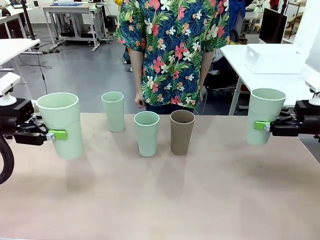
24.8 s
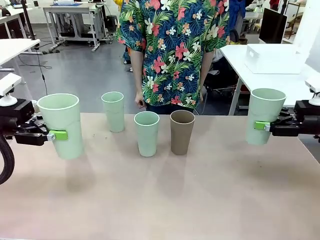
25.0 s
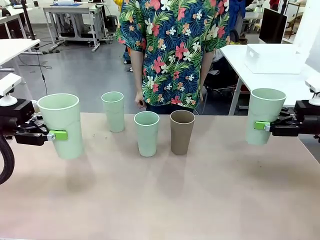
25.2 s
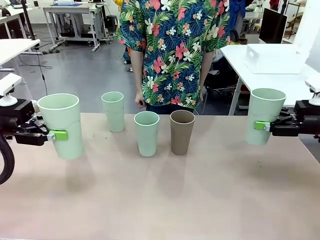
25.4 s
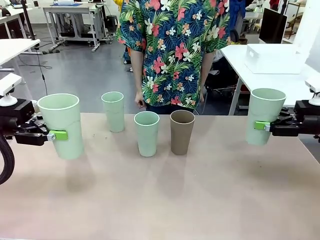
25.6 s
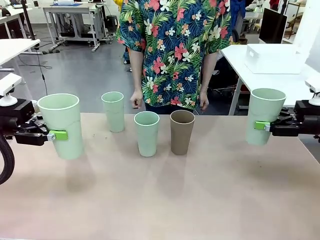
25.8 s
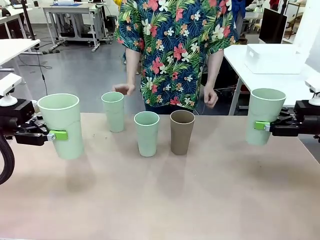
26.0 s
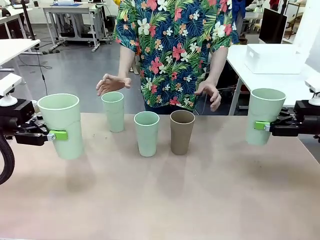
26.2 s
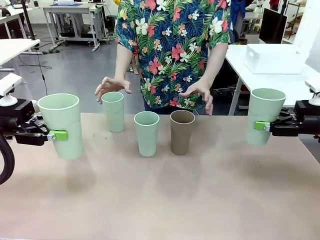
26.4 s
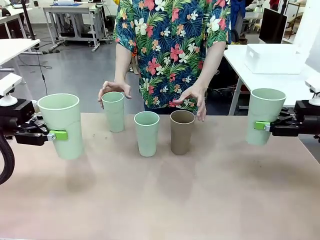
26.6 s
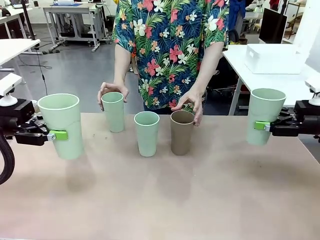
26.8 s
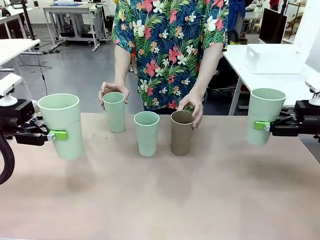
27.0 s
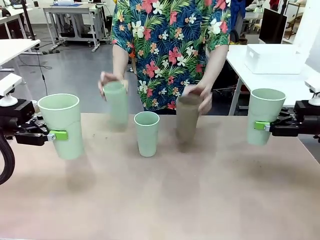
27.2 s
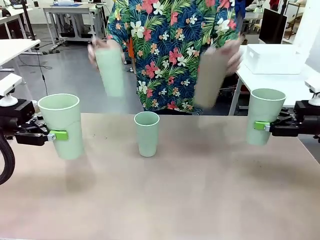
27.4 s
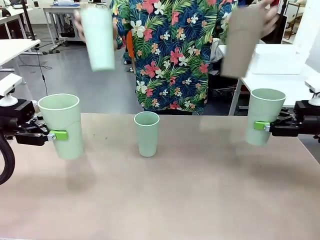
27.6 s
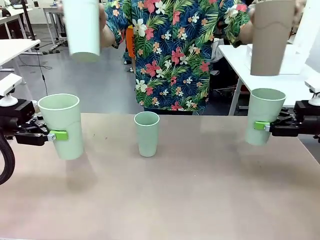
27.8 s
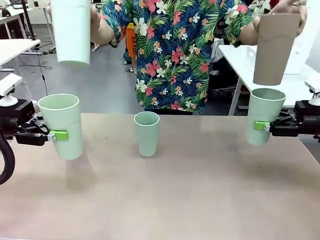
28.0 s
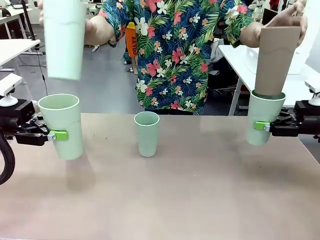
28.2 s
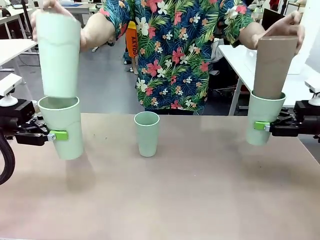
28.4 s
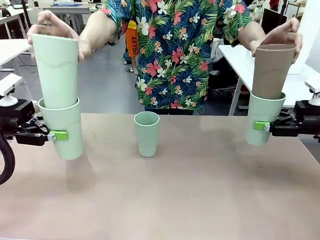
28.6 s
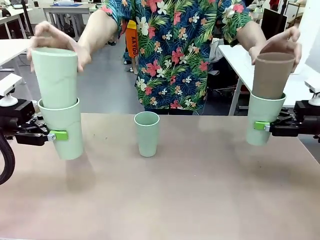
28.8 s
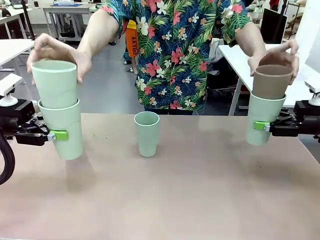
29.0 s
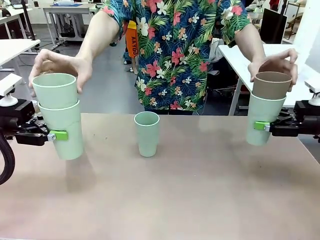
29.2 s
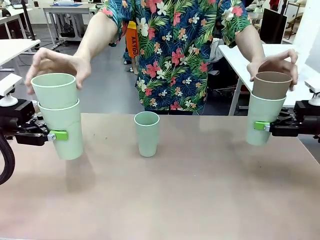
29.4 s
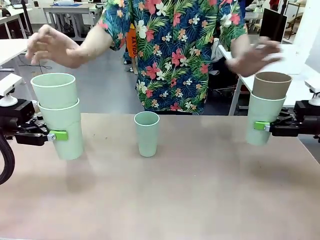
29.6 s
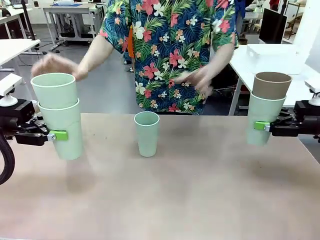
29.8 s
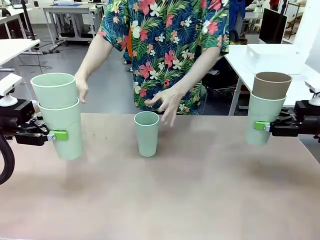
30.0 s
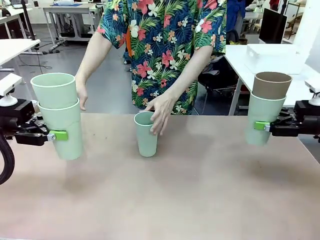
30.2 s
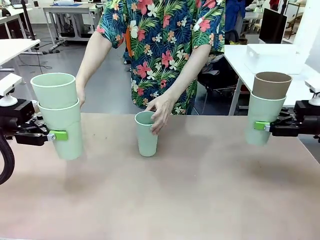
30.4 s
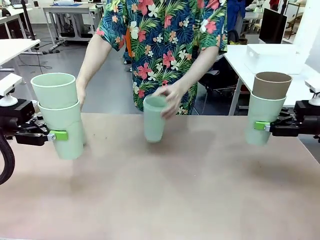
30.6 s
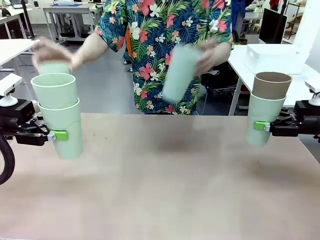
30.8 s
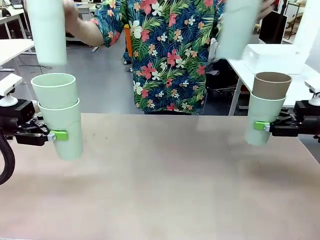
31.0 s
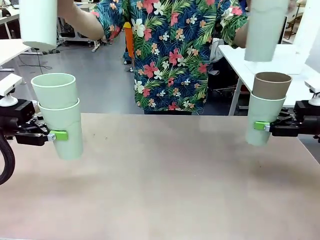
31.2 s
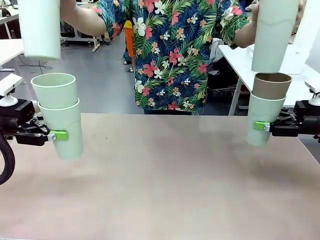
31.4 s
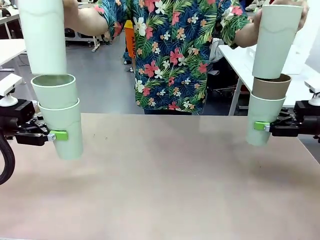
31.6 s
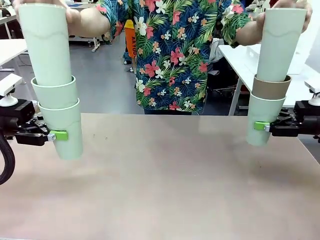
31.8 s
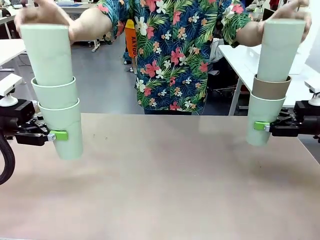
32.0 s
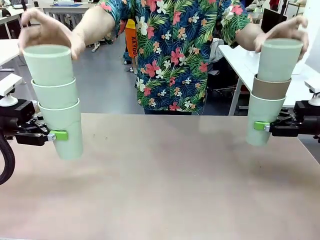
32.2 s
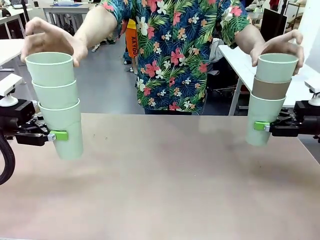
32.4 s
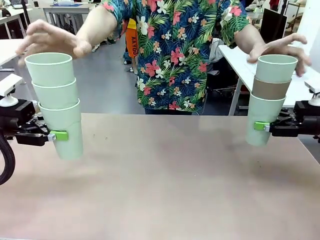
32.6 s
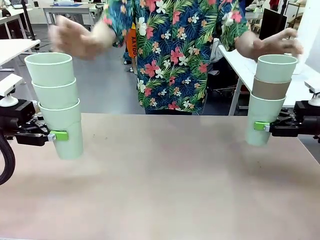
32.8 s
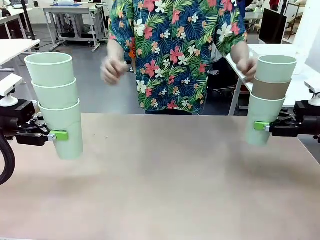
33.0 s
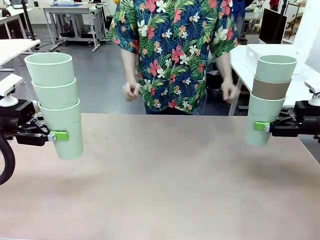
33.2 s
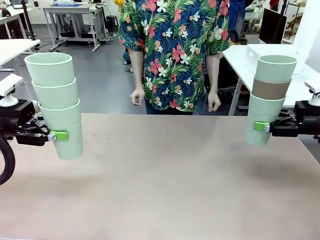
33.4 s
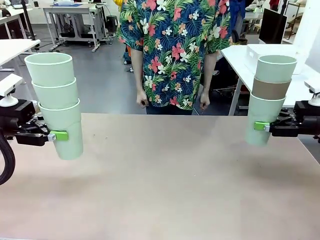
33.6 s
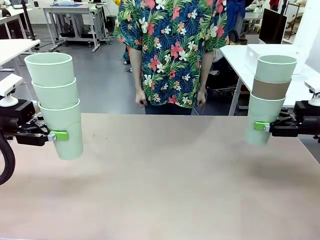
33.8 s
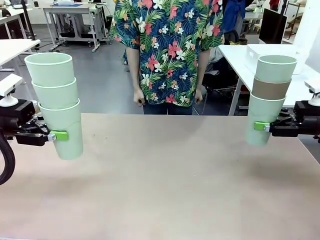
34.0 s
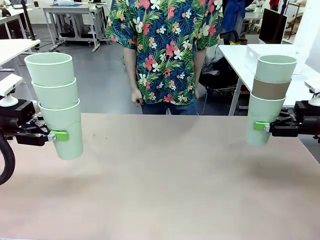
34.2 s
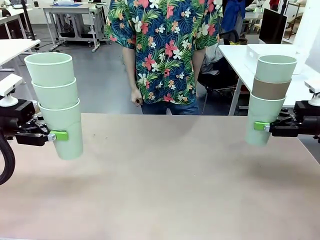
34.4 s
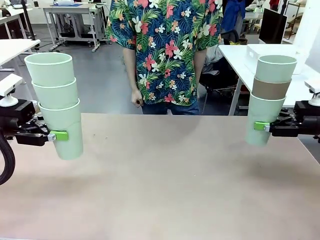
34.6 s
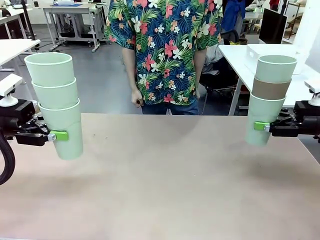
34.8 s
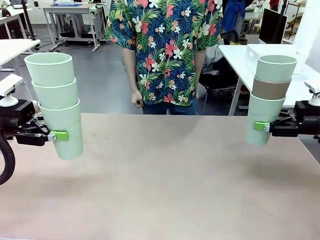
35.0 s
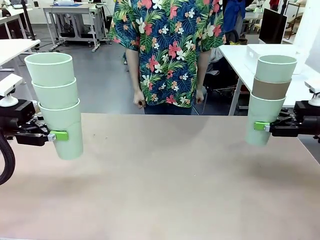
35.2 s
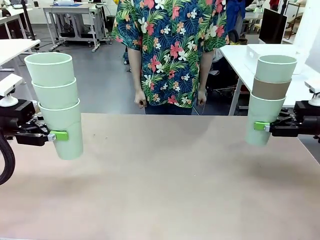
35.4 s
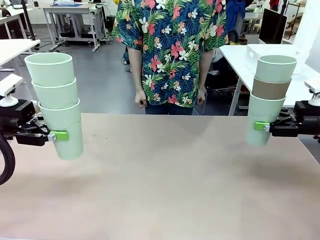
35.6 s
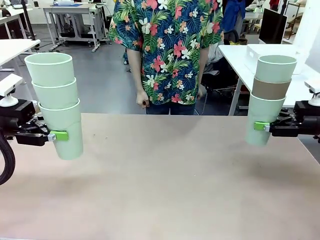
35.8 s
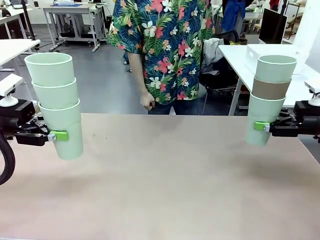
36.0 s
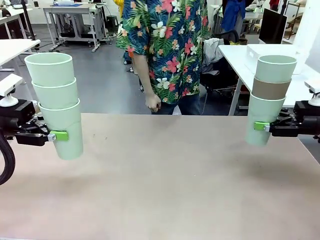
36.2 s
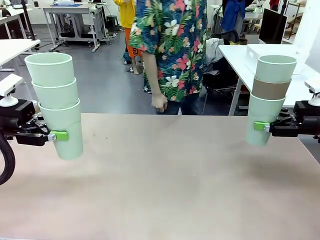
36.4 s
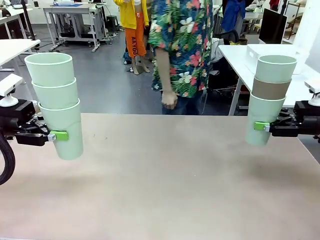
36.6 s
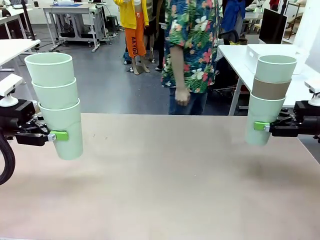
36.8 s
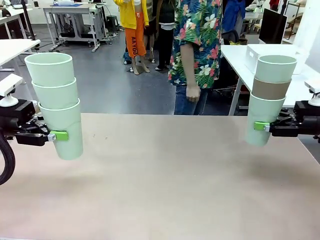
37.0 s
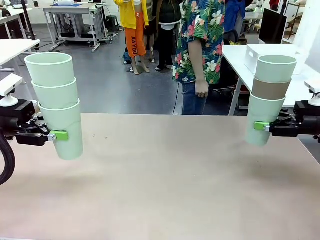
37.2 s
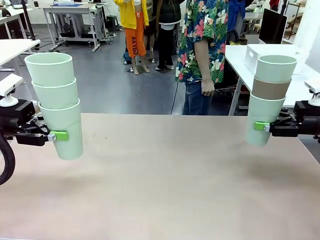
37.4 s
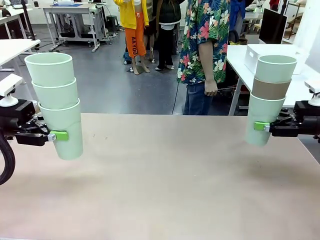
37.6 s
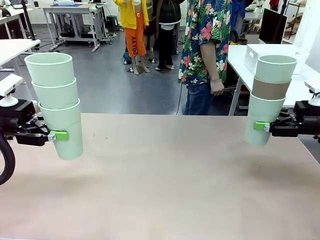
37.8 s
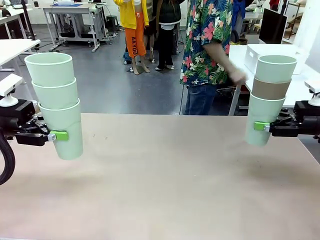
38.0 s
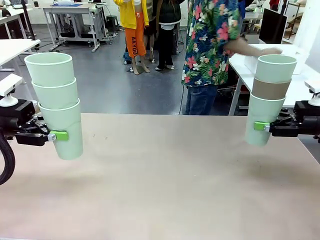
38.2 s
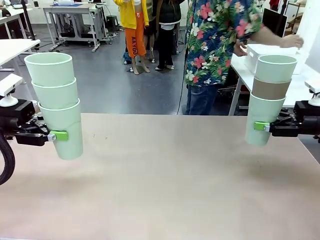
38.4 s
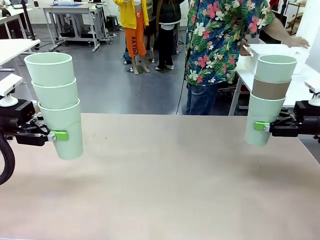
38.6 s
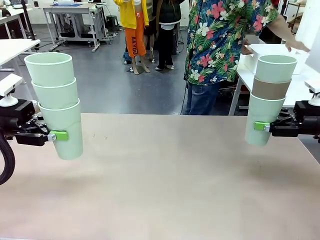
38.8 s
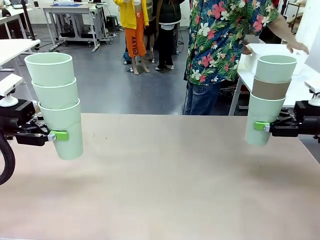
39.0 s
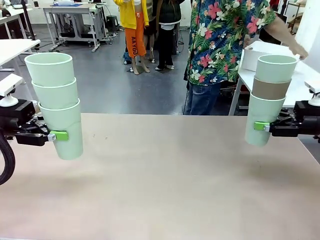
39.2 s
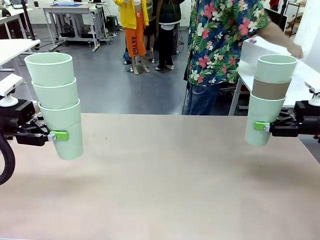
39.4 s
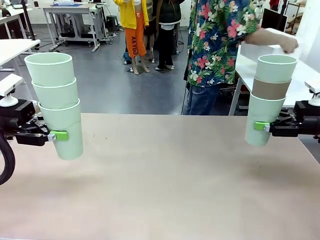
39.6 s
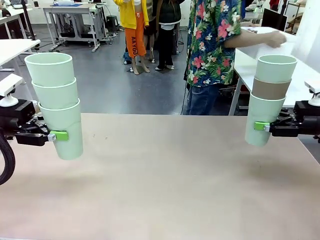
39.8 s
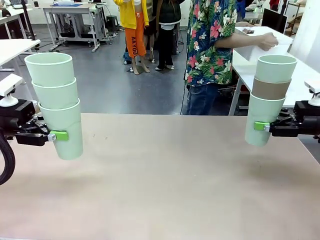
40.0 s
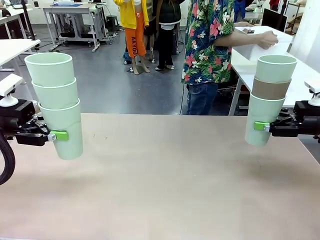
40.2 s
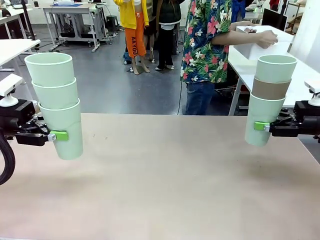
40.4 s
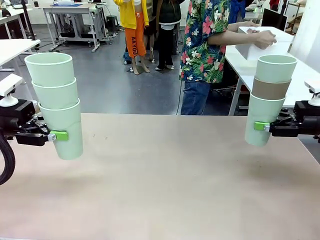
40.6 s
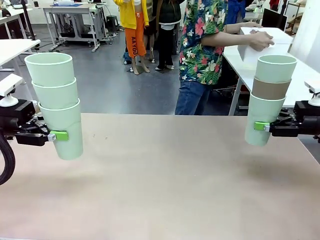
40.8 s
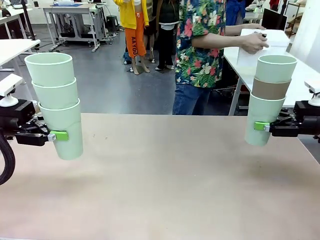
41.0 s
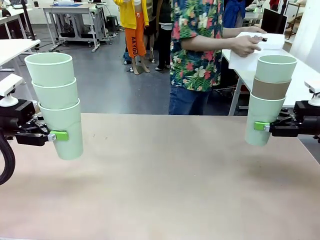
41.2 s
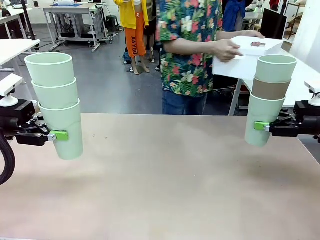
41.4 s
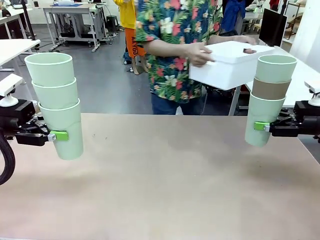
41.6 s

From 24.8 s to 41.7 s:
Task: Stack the cups and store them in the basket.
Robot: Place the stack of Reusable plastic cups into the Pantry Basket.
Person: Pick up the basket from the Human Table, bring it to the front of the robot, and present it.
